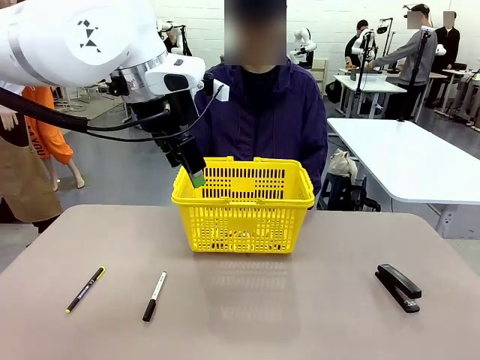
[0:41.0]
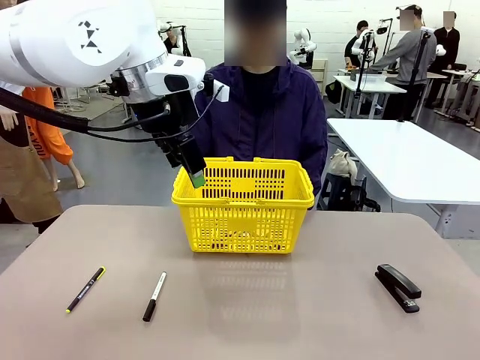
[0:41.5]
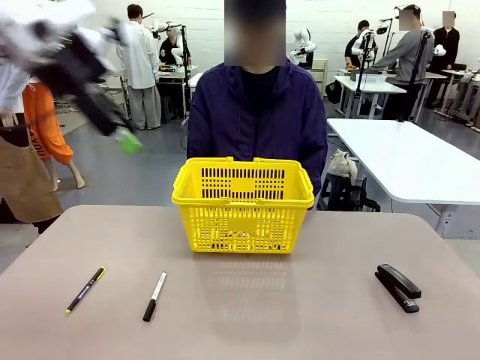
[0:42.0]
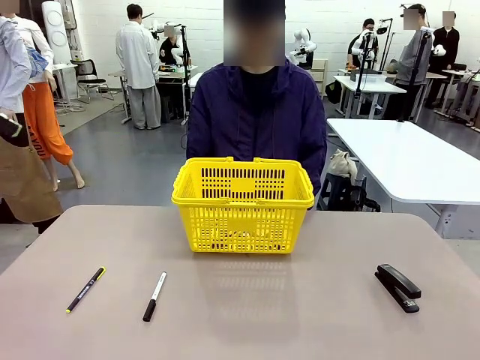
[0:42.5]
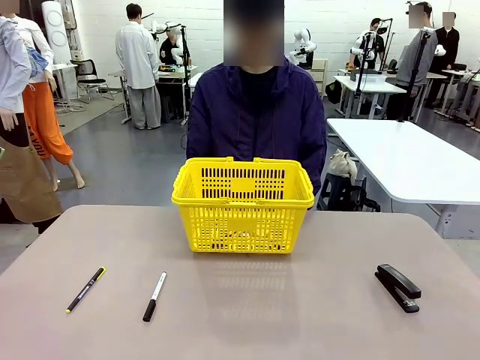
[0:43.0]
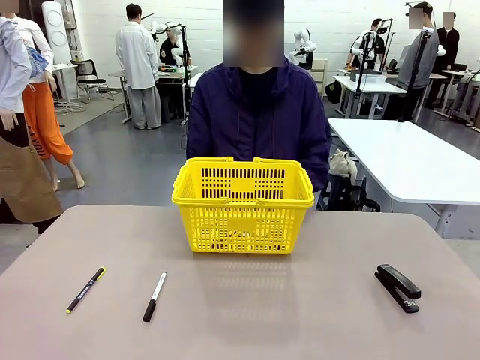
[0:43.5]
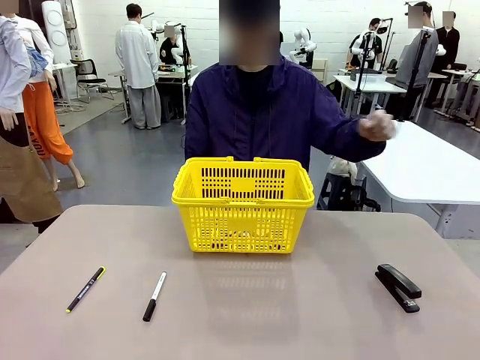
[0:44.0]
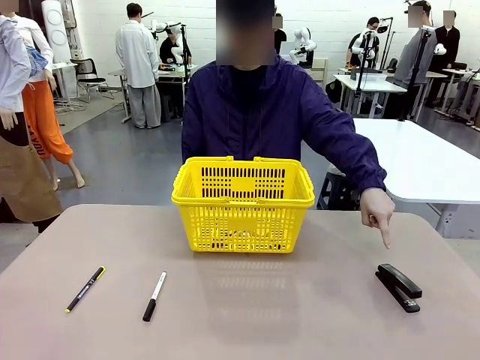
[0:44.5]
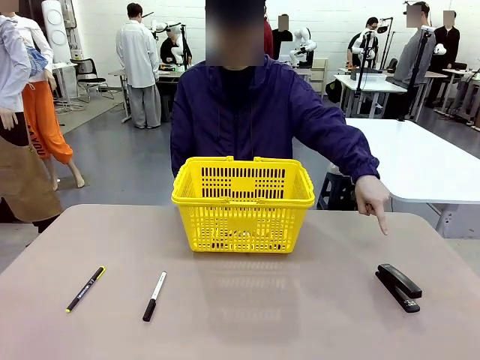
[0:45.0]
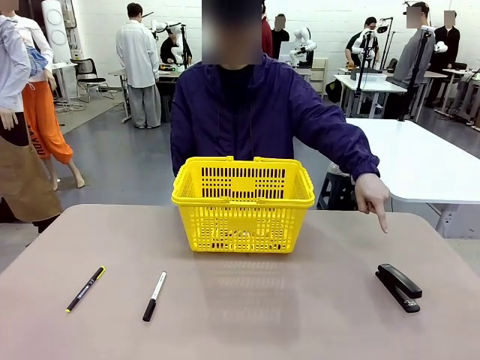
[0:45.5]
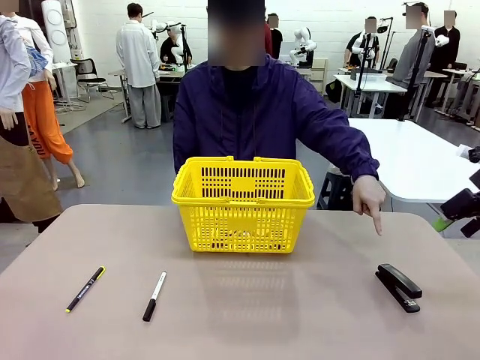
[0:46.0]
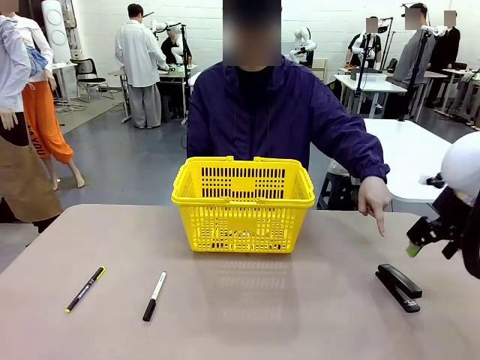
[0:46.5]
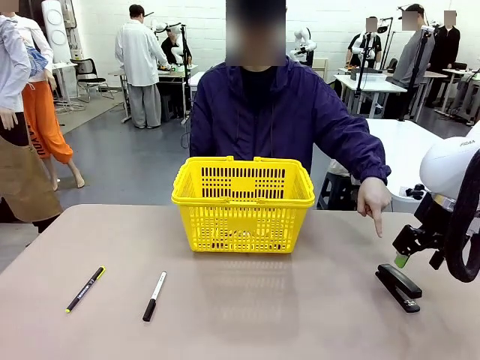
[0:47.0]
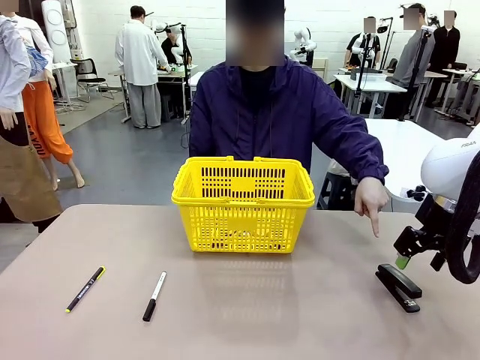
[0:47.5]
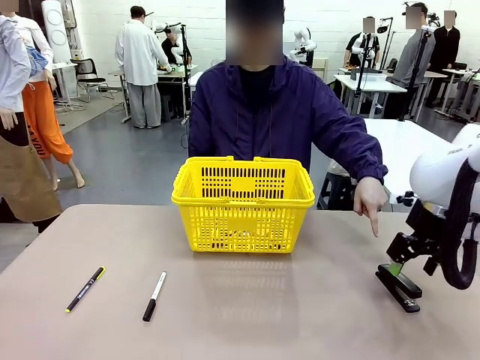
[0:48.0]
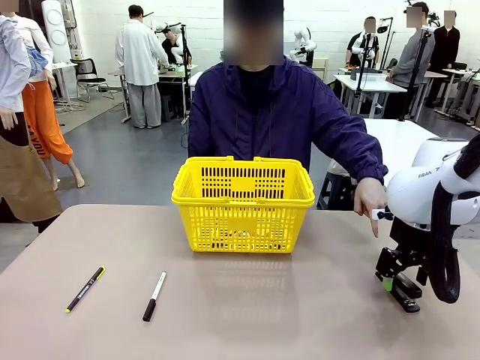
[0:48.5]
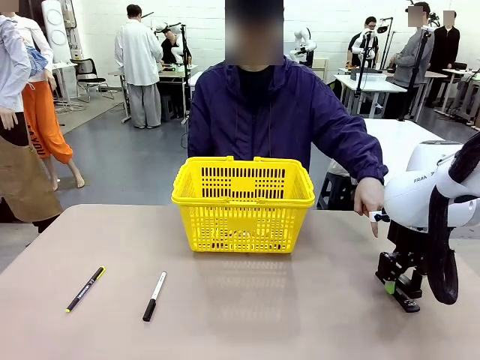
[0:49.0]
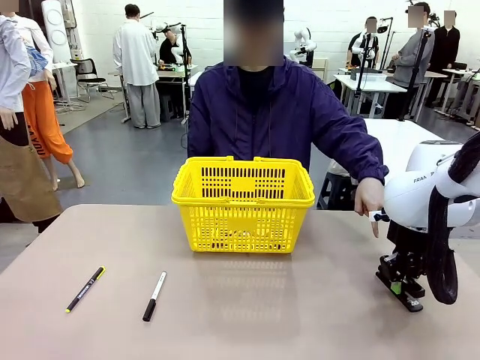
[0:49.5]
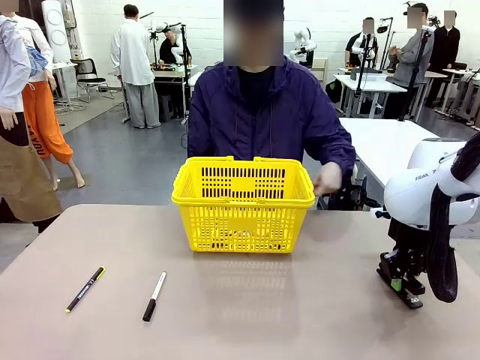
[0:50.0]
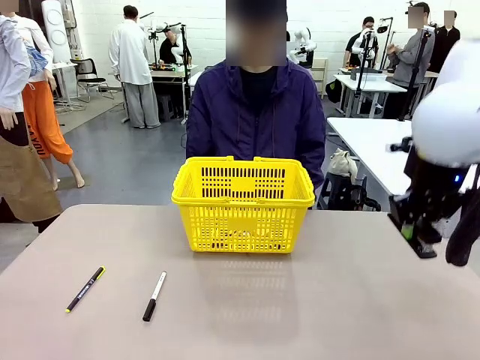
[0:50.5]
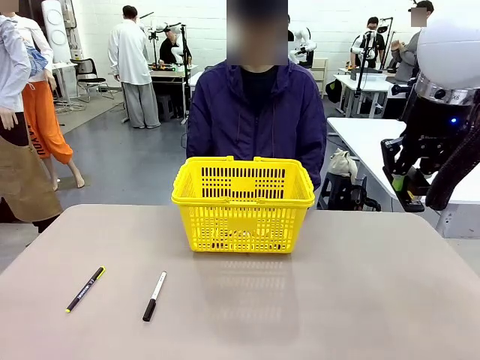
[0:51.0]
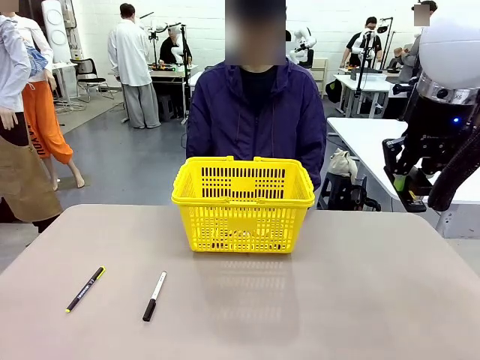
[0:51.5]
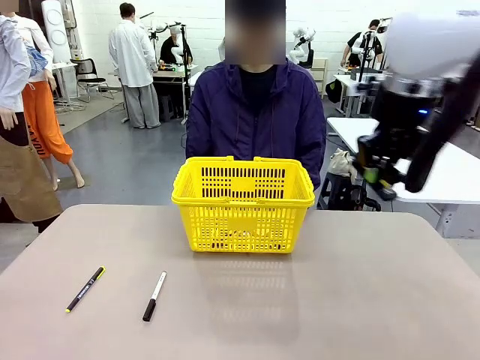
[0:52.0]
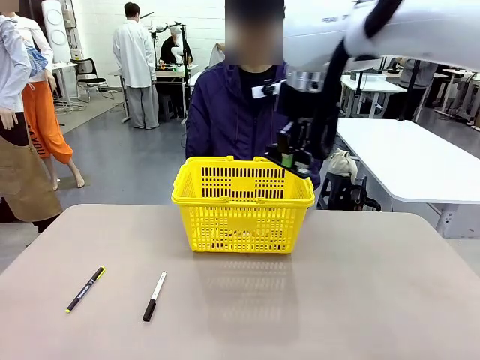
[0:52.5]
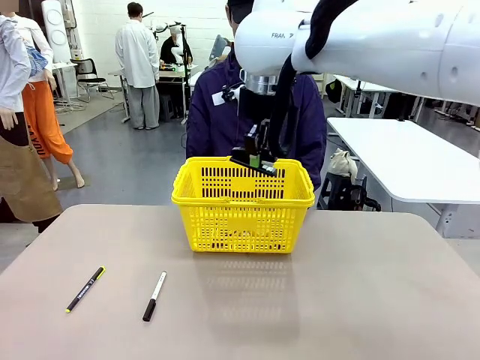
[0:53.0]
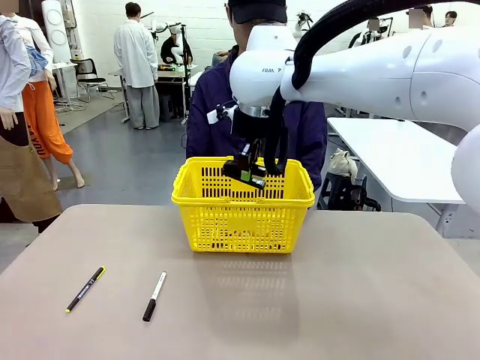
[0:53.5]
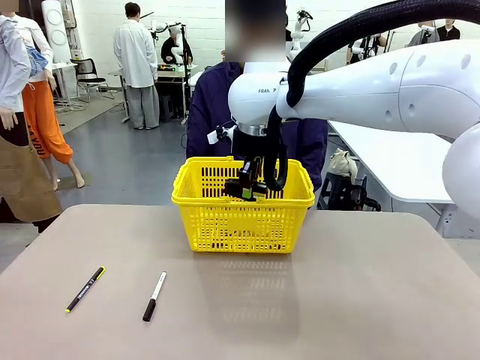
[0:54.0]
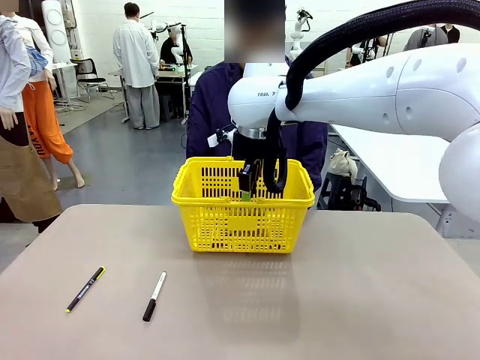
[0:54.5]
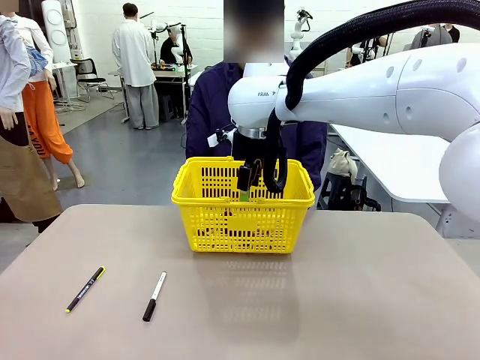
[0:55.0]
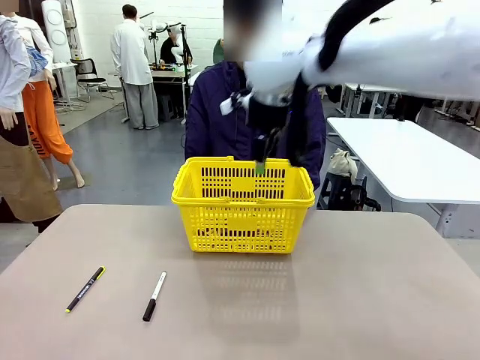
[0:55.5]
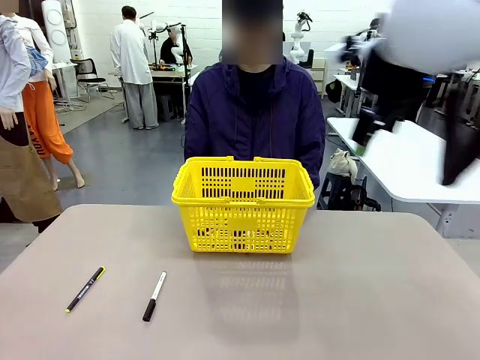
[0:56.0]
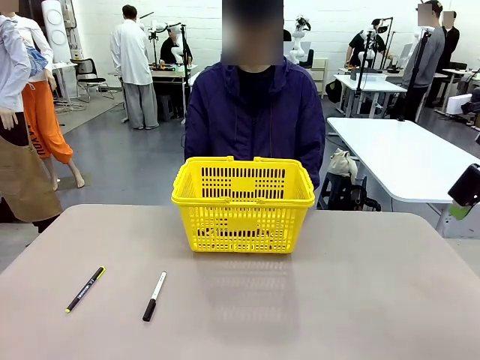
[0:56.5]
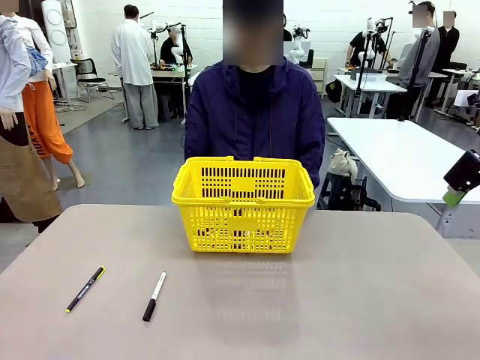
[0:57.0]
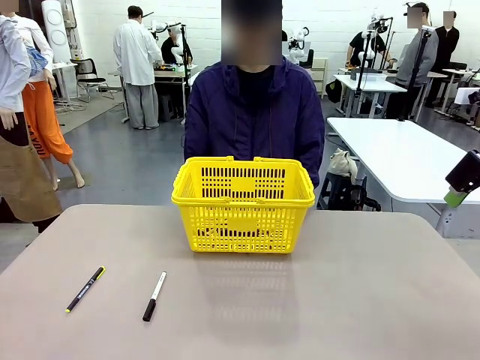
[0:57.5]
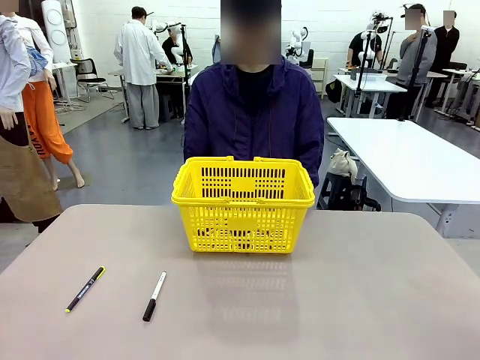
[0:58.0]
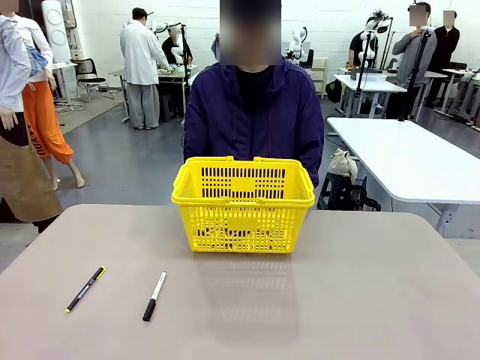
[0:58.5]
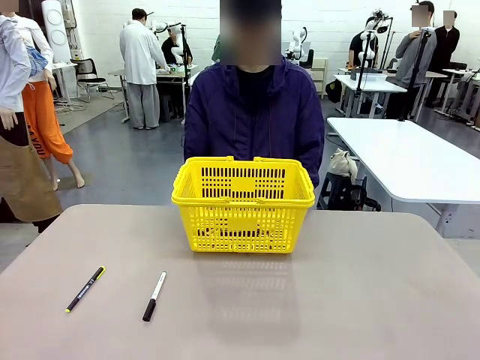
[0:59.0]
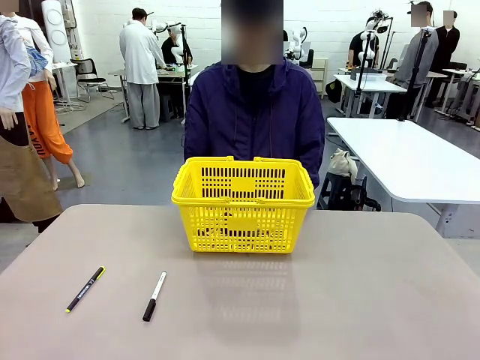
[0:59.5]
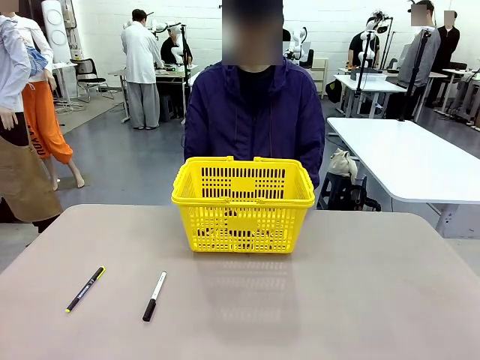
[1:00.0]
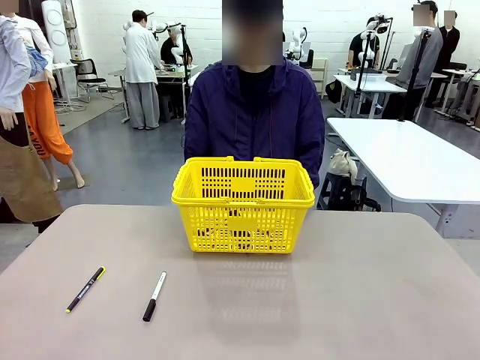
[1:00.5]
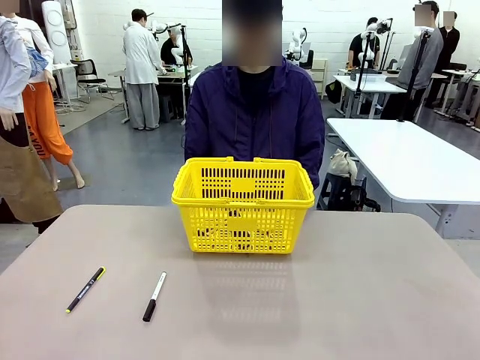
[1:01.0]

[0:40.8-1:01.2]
Task: Place the items the person wants into the basket.
Robot: Pick up the item the person points to and place it in the Market Basket.

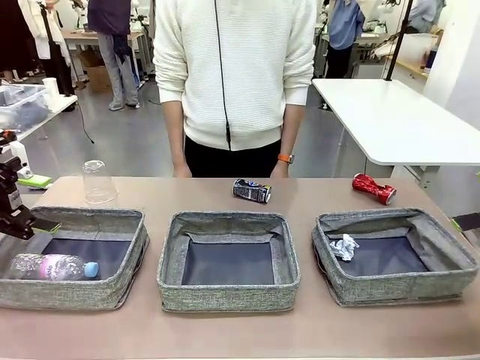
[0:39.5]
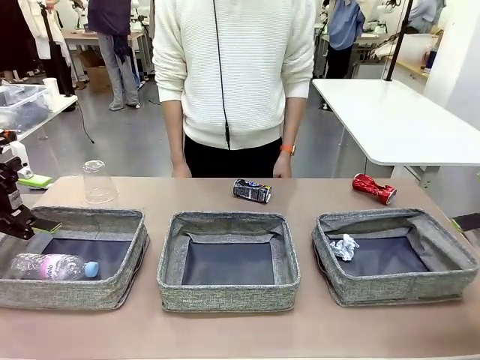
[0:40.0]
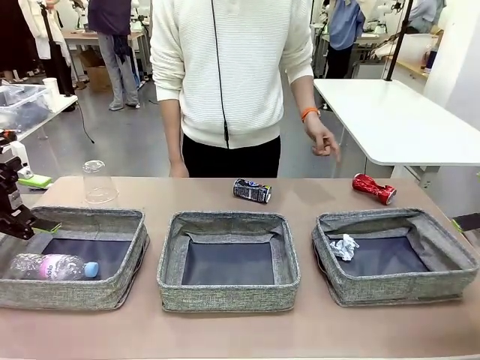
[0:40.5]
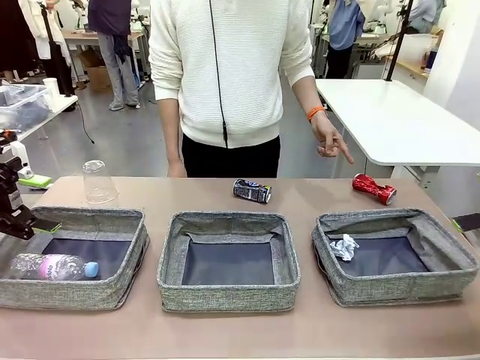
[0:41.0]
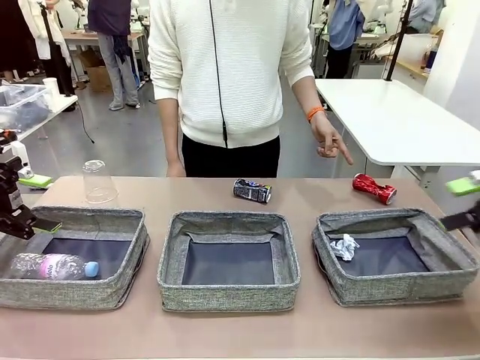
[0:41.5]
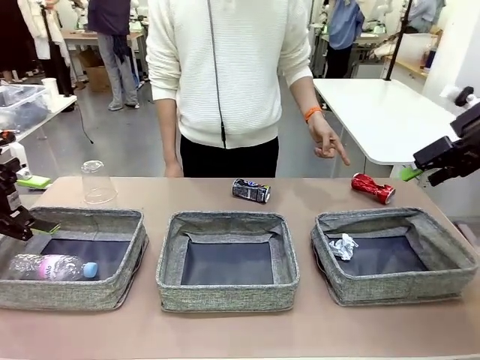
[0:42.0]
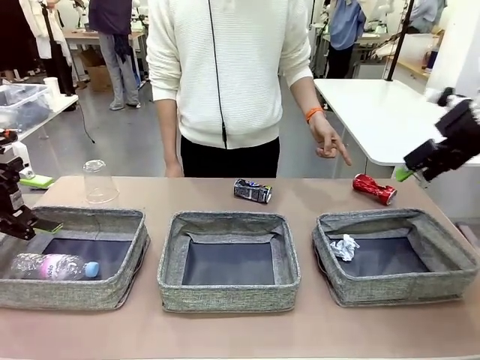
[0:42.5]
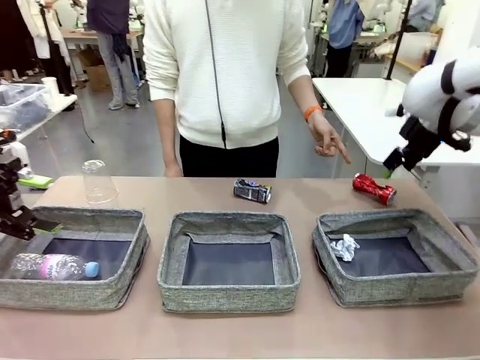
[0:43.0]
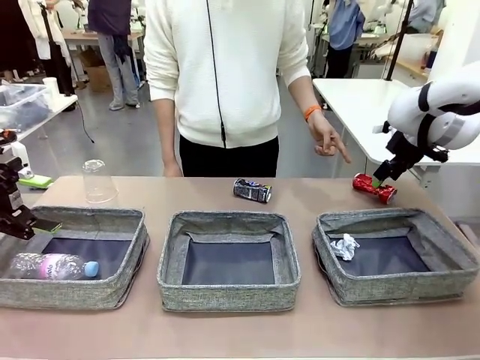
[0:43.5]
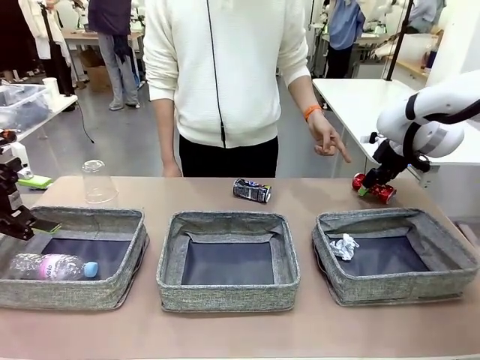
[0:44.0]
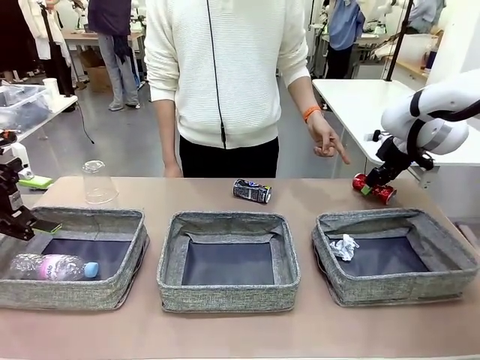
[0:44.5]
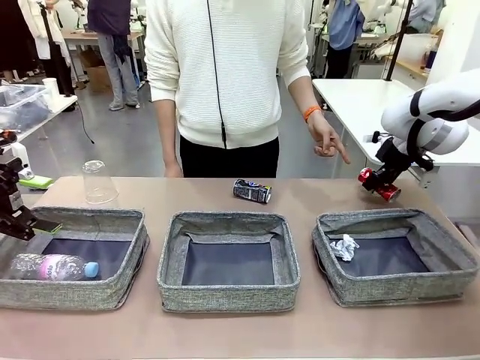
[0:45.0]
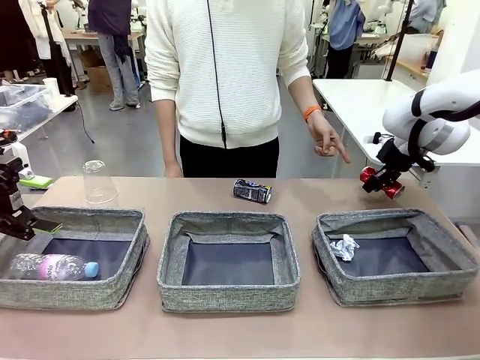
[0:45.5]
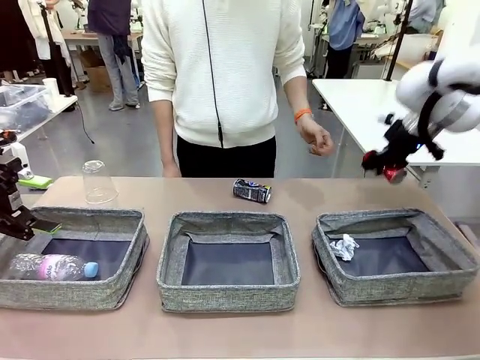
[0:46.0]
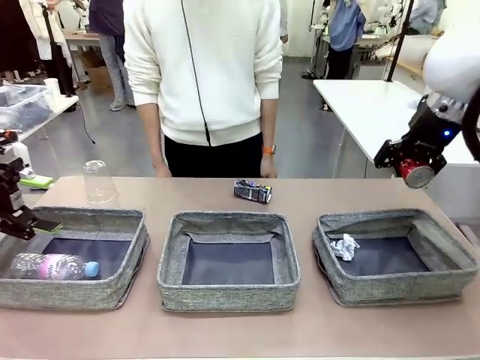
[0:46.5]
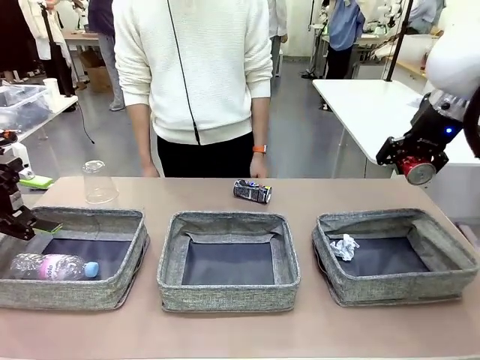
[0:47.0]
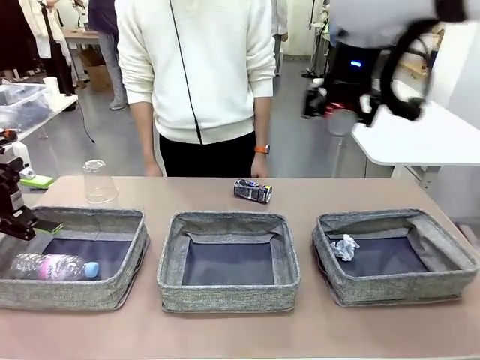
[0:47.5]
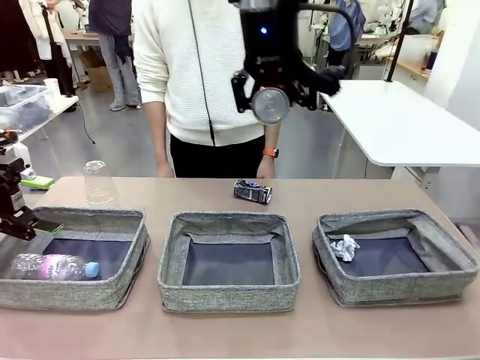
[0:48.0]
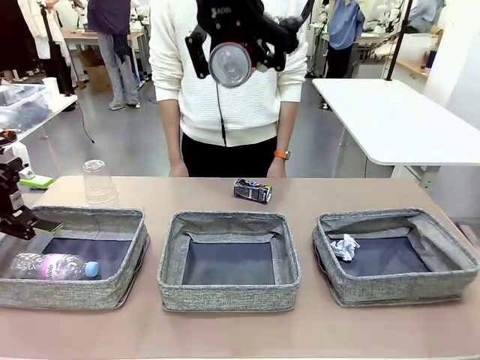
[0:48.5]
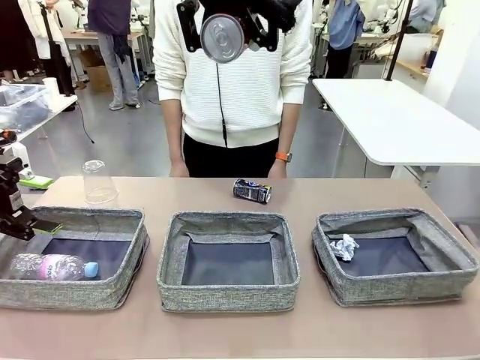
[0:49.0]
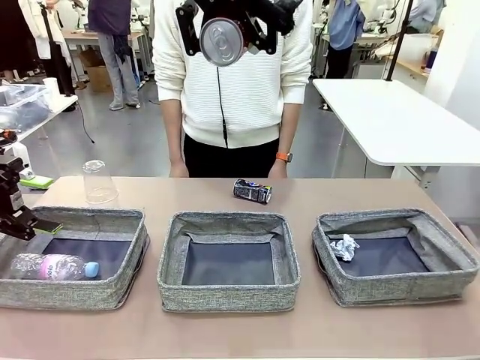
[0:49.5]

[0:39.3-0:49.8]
Task: Sort the waste into the appropriate baskets.
Robot: Pick up the waste item pointed out by the person.
Person: Points to one piece of trash on the table.
